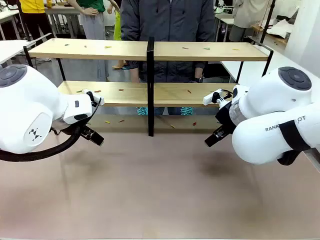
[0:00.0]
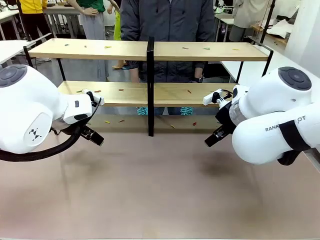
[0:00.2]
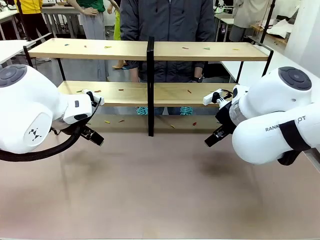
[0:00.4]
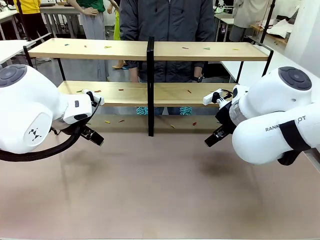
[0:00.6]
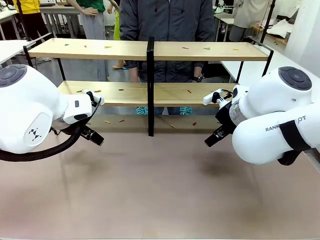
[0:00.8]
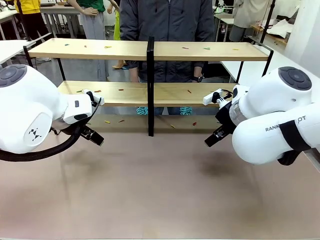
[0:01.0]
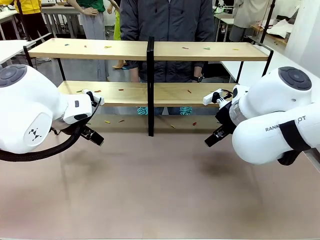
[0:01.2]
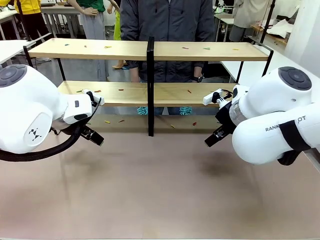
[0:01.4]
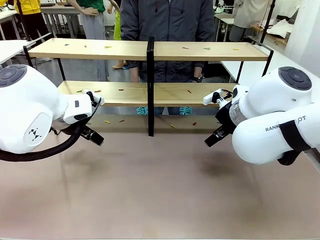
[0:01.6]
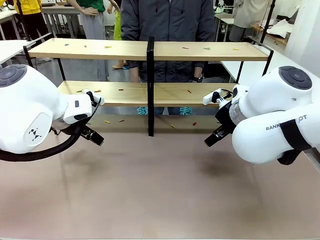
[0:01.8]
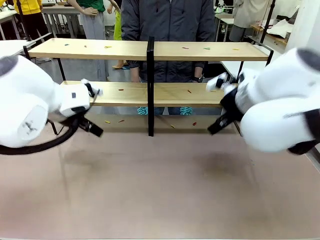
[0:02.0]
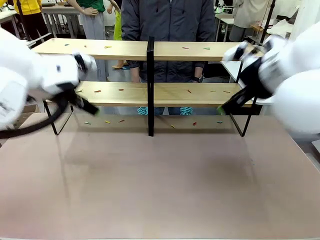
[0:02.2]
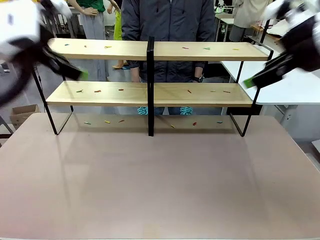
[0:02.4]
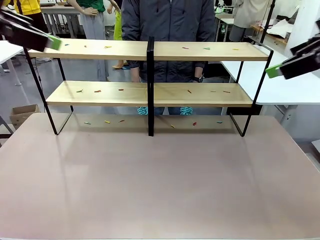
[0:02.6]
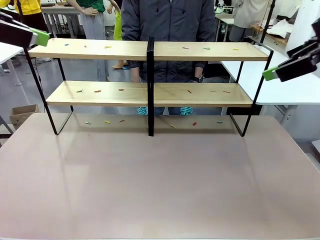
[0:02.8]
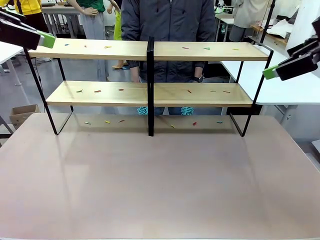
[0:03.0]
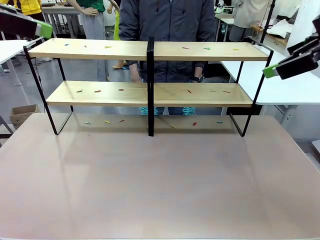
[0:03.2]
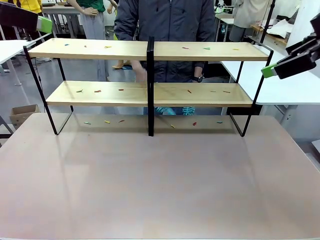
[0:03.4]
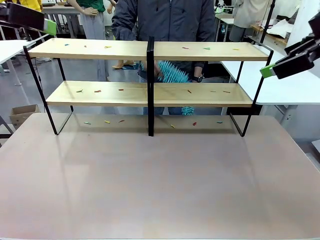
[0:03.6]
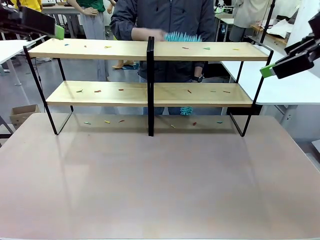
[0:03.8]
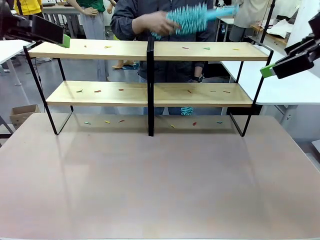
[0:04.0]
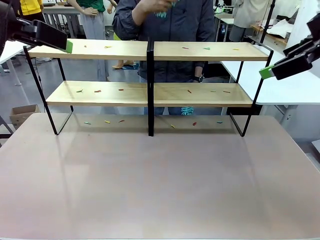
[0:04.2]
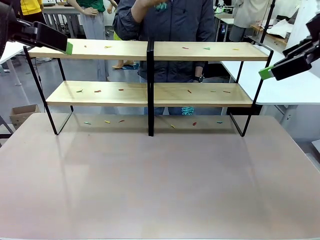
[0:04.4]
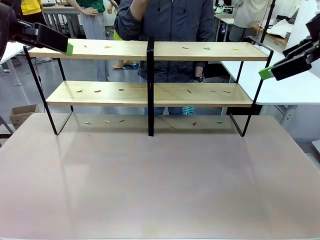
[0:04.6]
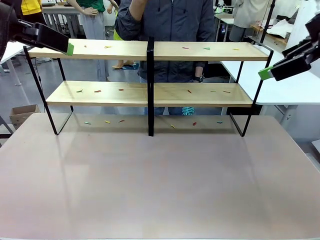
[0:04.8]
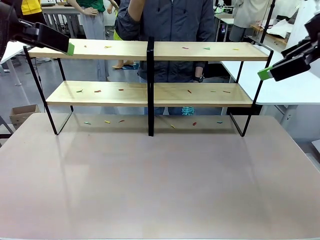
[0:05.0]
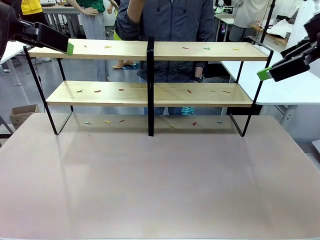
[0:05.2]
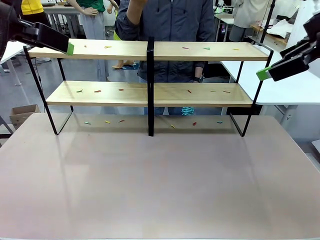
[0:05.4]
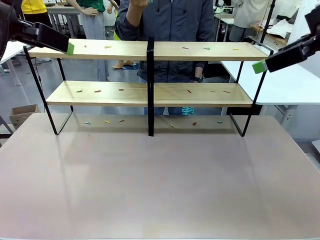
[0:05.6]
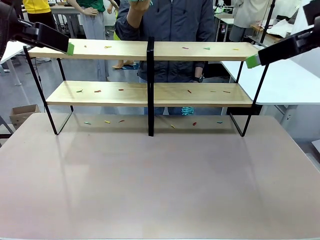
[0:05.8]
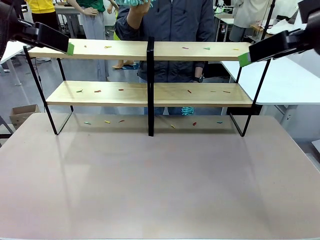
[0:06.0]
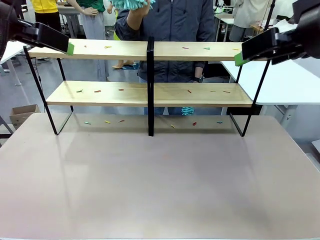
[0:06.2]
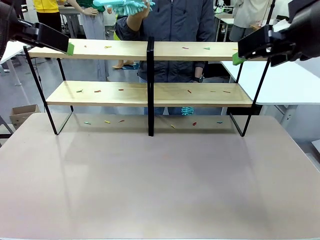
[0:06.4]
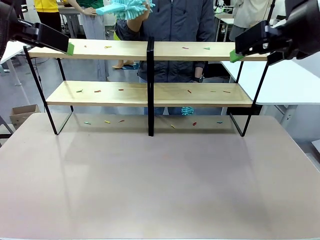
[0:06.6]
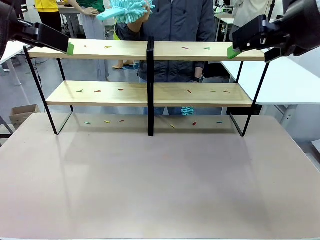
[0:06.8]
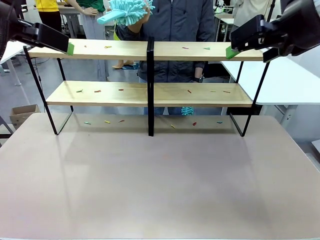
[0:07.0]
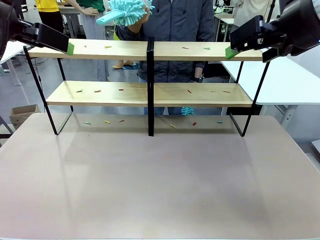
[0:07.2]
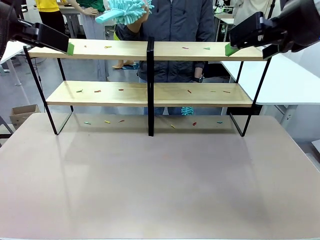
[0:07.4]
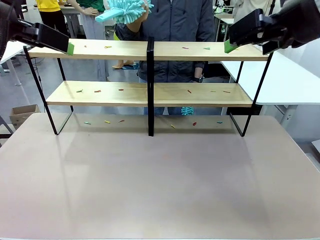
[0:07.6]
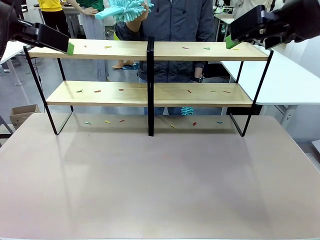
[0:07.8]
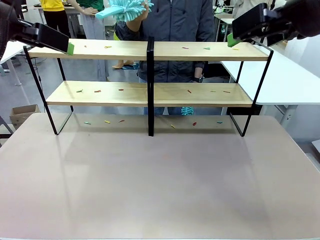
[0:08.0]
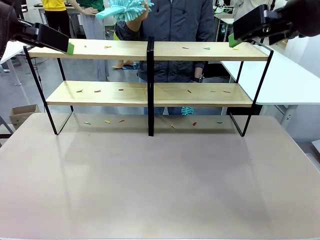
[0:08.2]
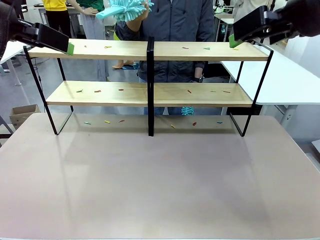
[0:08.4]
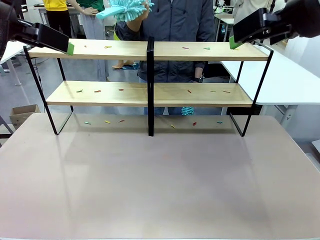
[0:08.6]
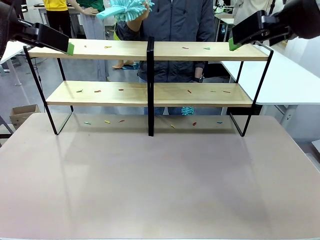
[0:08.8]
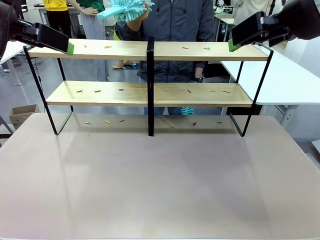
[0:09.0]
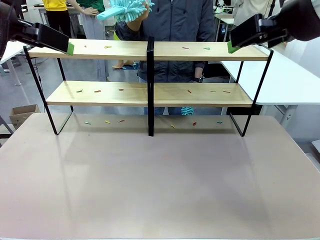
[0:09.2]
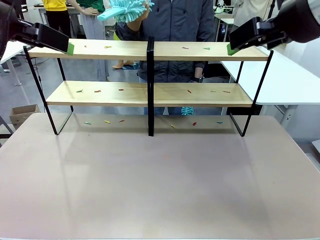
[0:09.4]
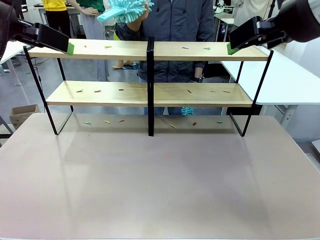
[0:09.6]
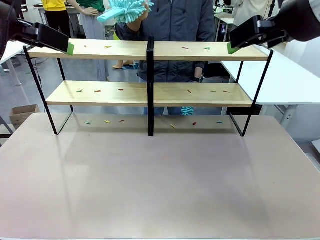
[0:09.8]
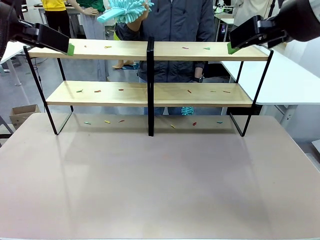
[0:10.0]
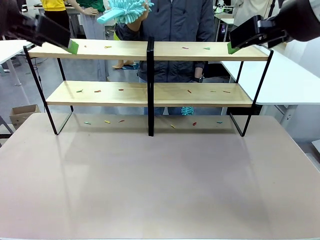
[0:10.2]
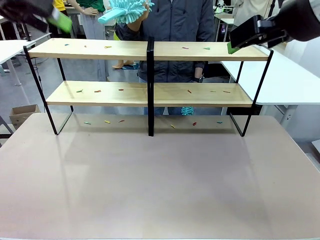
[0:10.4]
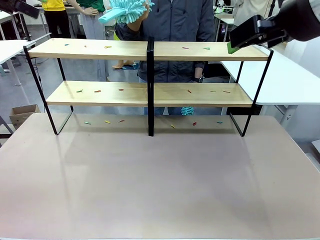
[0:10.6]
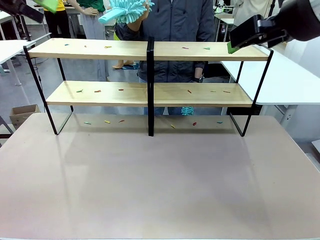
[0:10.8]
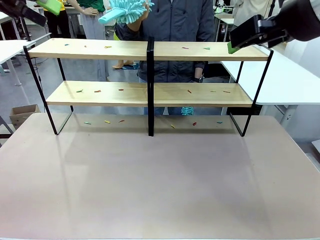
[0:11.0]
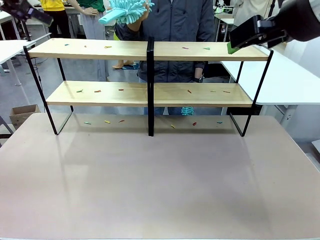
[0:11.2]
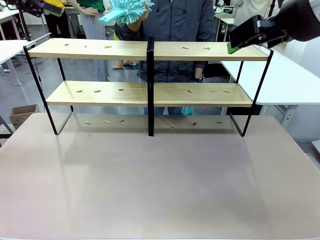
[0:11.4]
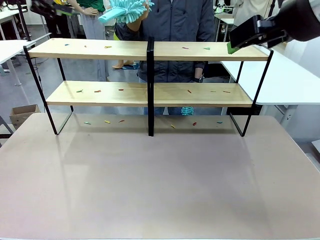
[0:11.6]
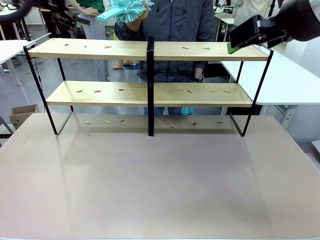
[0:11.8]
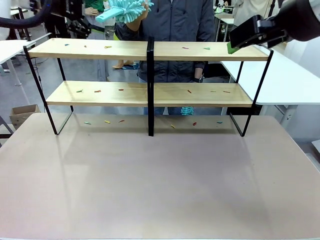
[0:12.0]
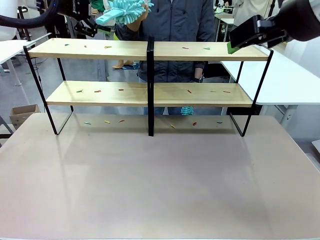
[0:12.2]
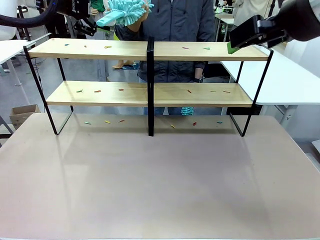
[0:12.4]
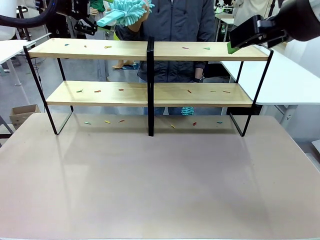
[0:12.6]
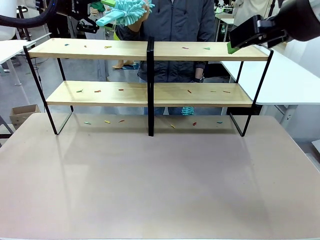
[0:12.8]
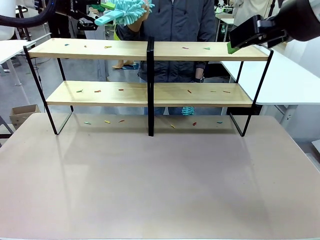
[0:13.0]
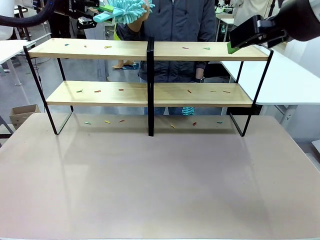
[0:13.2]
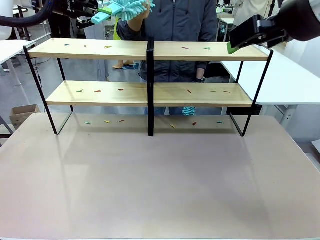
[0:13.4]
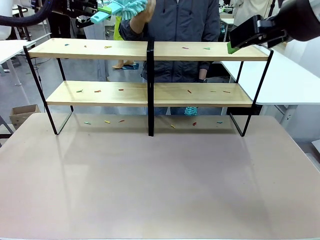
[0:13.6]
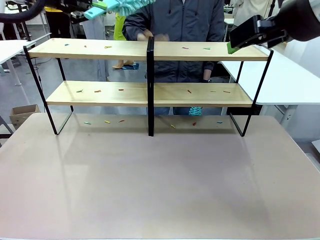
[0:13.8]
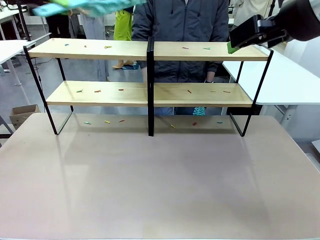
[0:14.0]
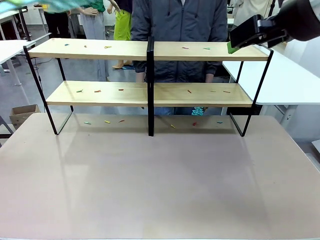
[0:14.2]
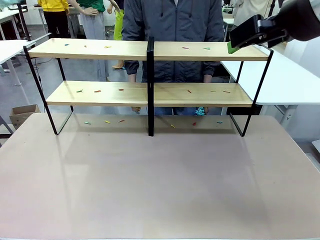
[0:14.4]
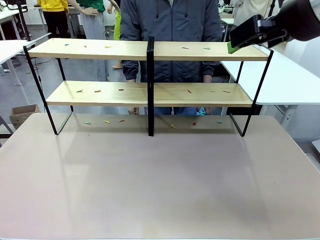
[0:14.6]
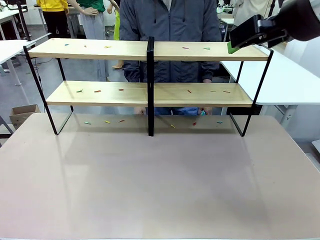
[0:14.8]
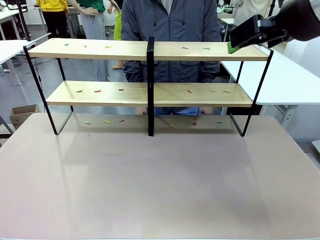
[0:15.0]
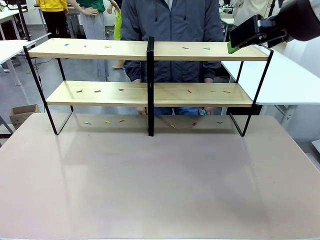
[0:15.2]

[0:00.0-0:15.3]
Task: Clean the shelves.
Robot: Pick up the Duster when the human hands it over.
Person: Hand the Duster to the robot with your right (or left) hand.
